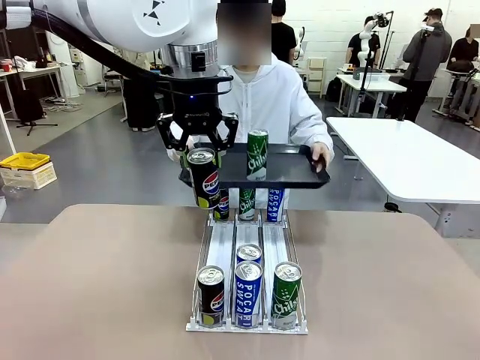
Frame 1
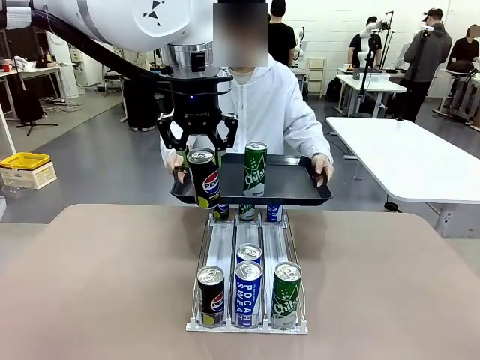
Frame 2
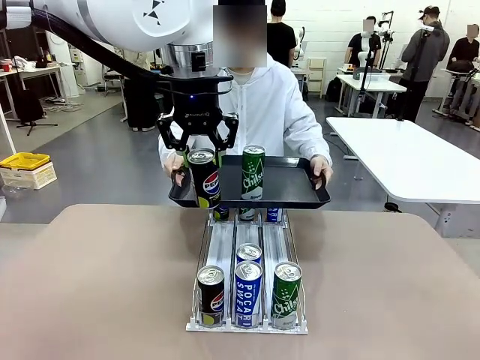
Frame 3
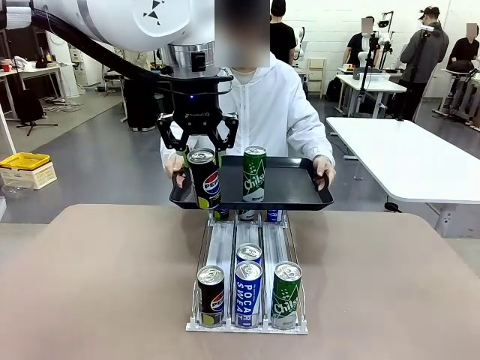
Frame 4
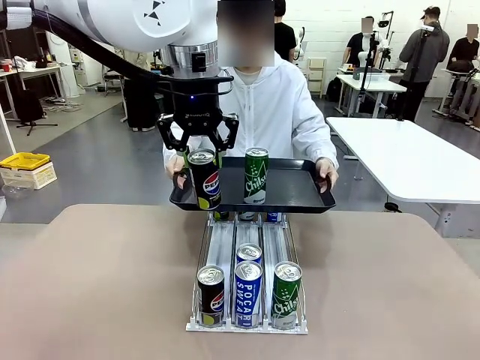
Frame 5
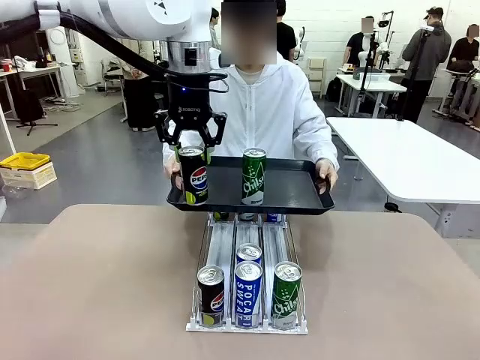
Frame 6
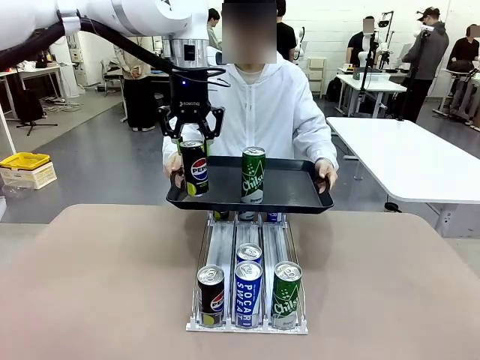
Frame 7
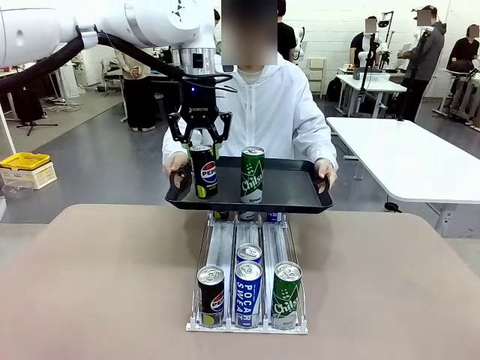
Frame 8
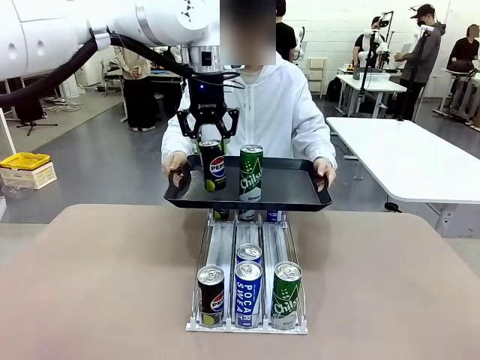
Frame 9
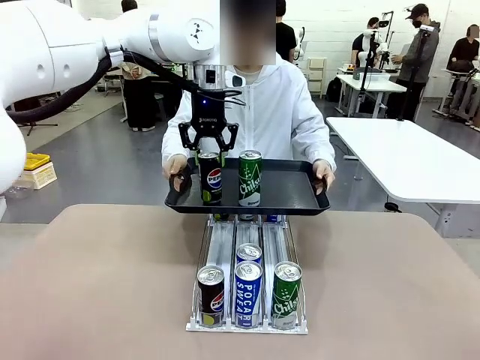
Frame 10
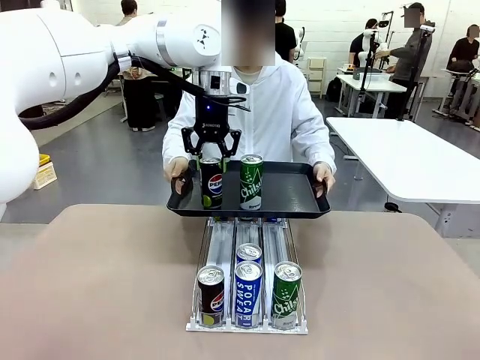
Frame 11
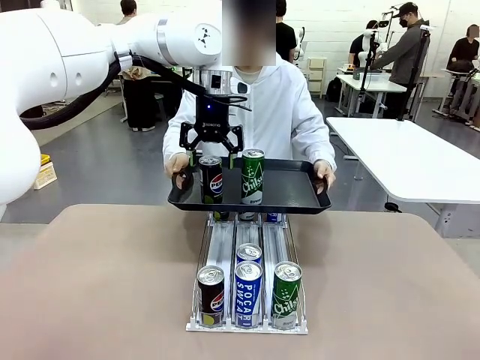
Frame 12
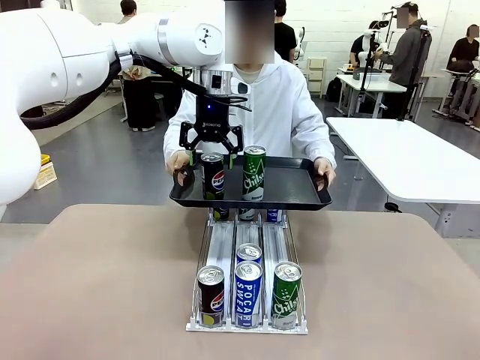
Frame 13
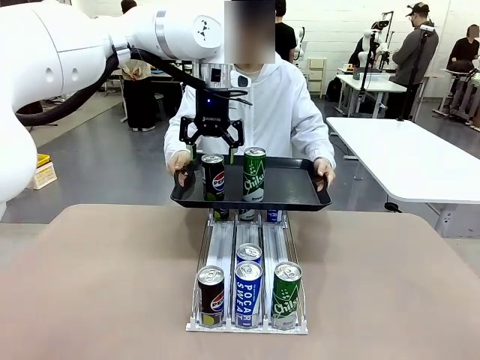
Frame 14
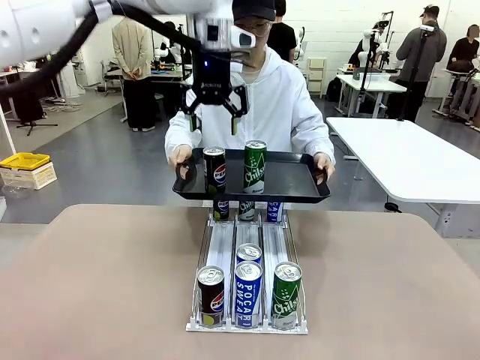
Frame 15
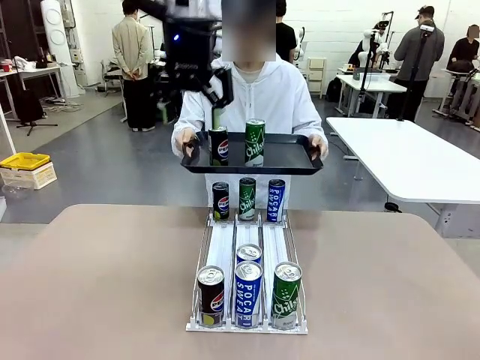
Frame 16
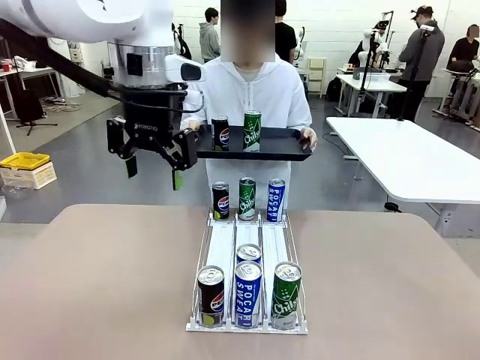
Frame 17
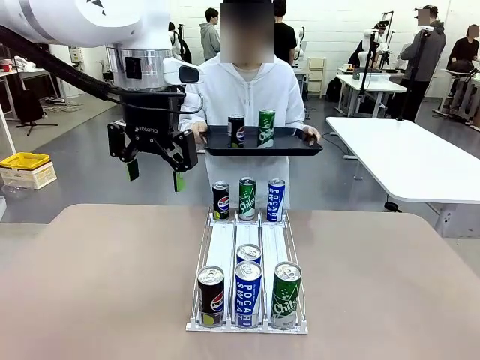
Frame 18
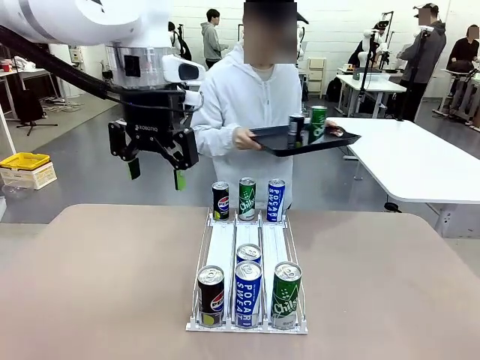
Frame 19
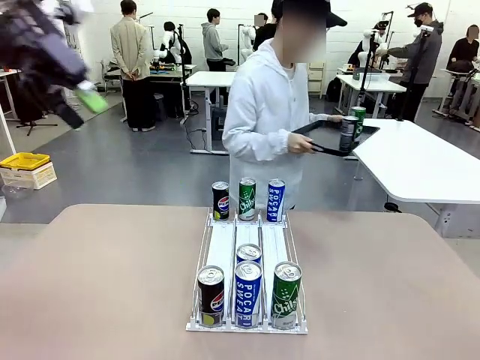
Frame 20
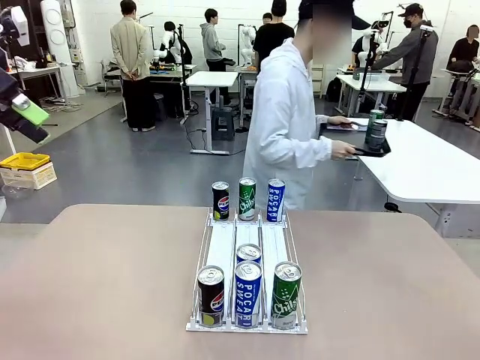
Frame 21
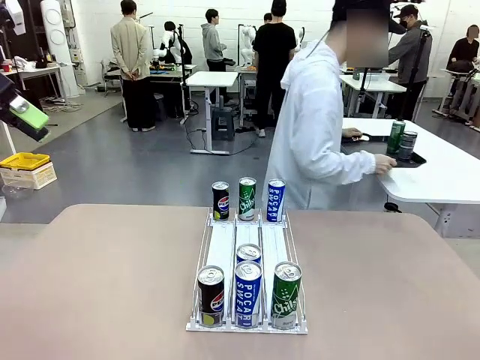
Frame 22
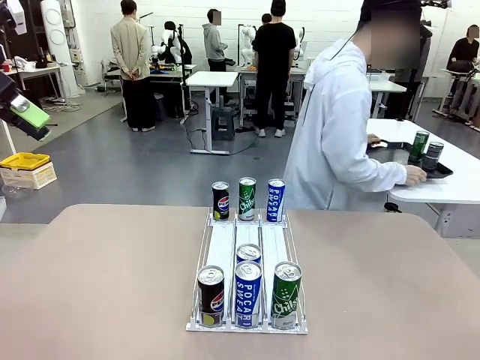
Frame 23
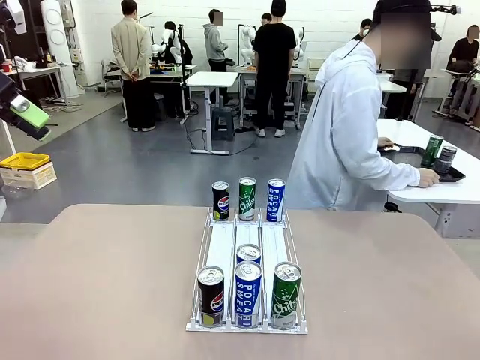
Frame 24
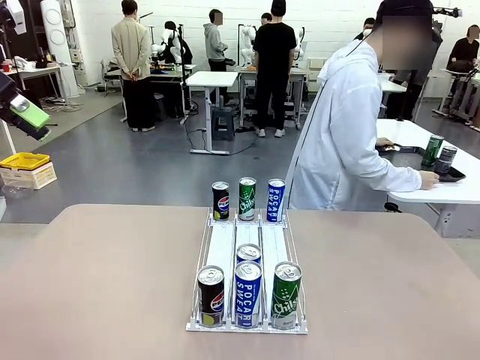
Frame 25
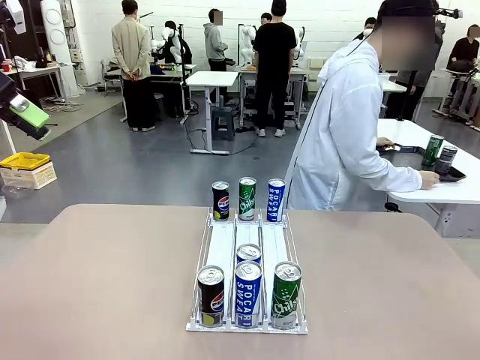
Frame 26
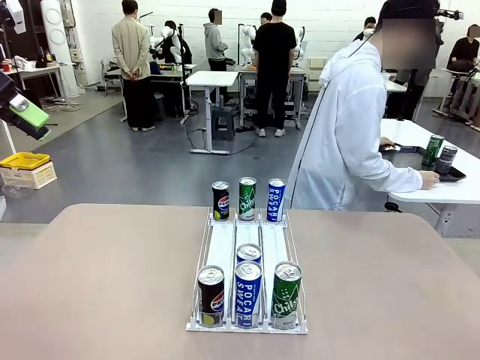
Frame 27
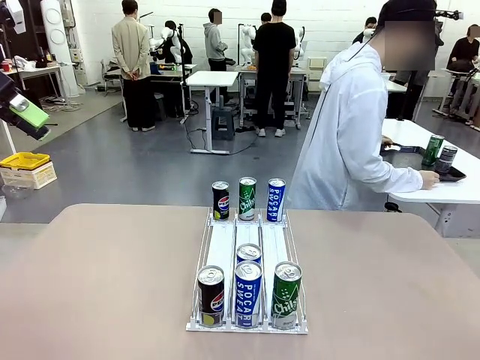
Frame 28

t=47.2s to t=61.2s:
Task: Retrieve and hand over the desired beverage to the person.
Robot: Place the picked can on the Handle tray extended by the person.
Person: Pull the tray back and place it at the center of the human table.

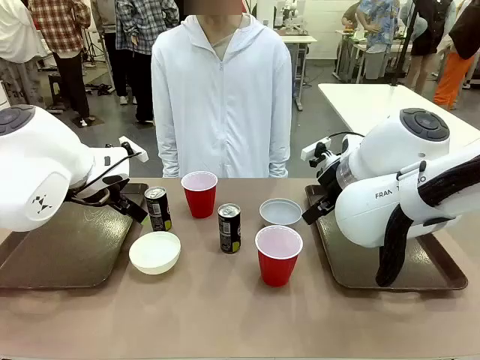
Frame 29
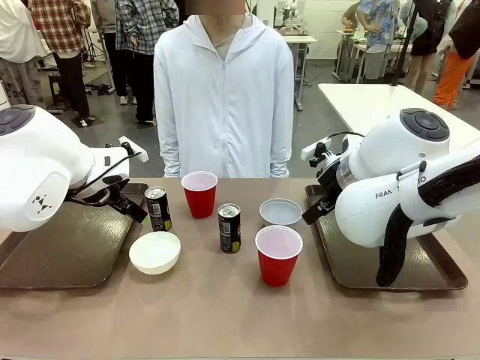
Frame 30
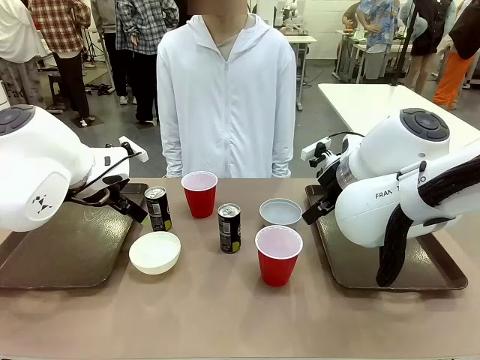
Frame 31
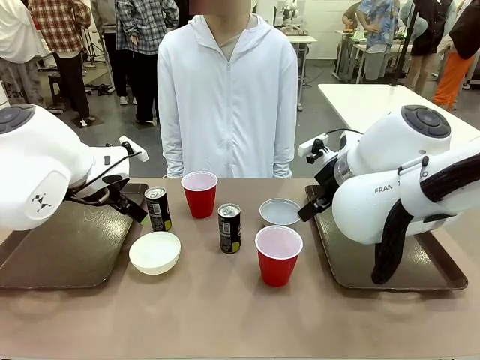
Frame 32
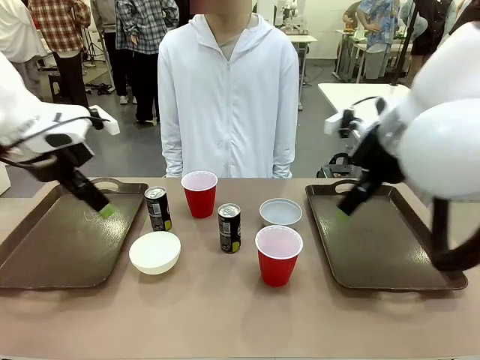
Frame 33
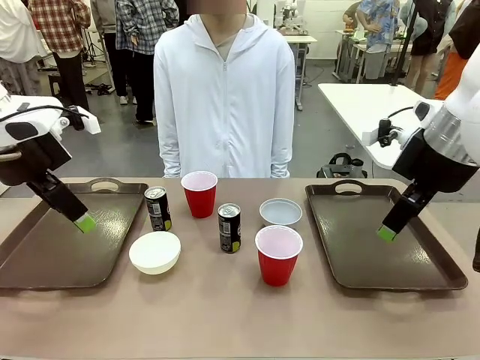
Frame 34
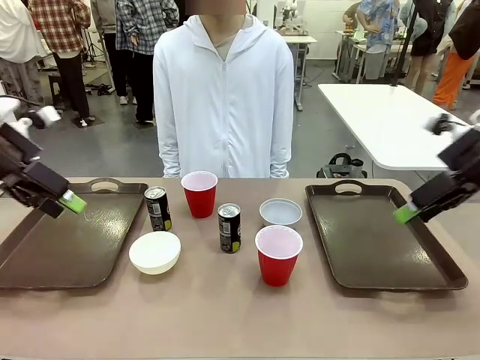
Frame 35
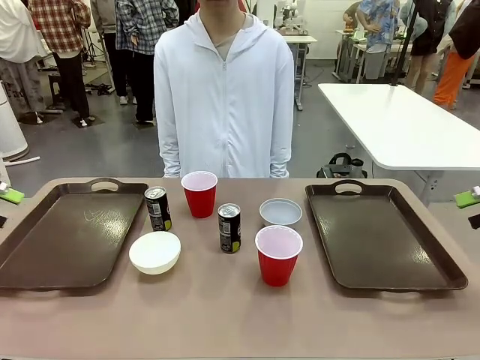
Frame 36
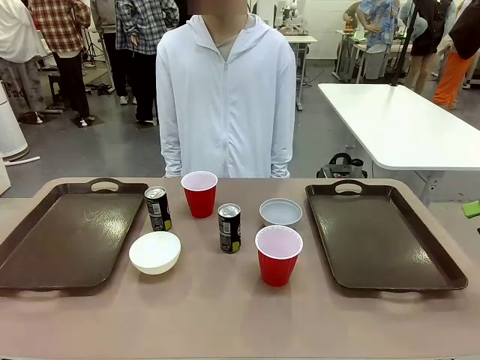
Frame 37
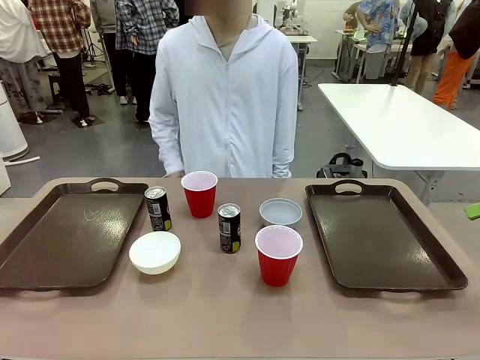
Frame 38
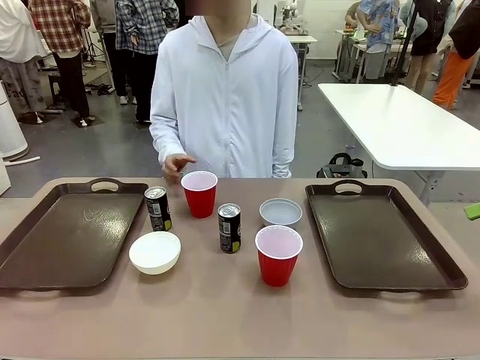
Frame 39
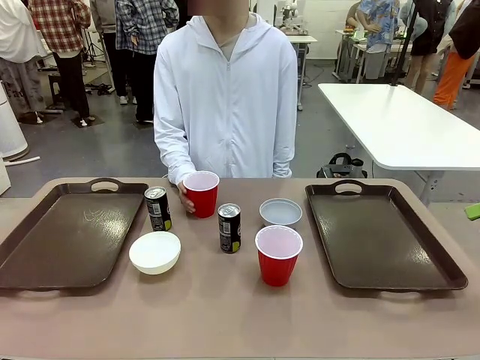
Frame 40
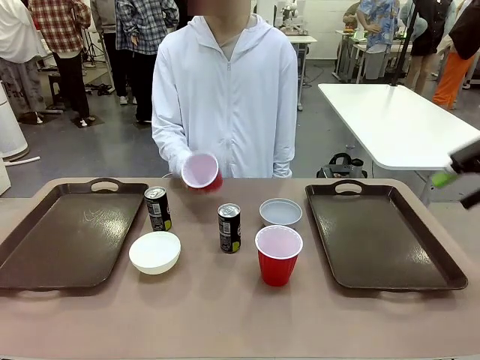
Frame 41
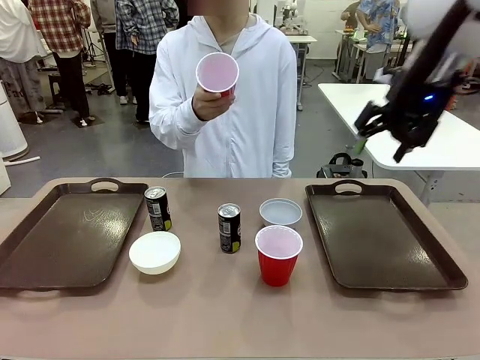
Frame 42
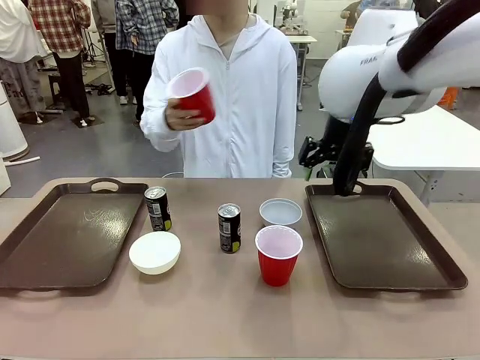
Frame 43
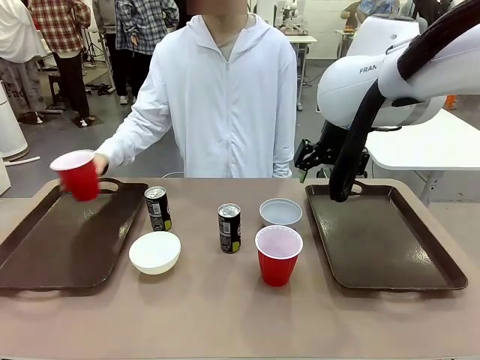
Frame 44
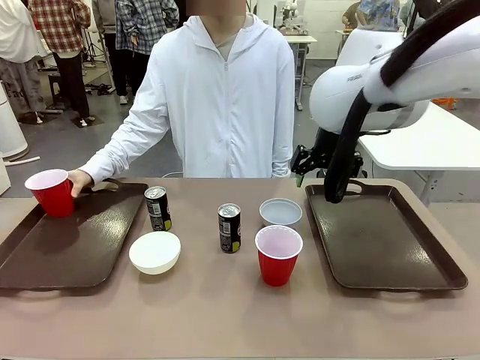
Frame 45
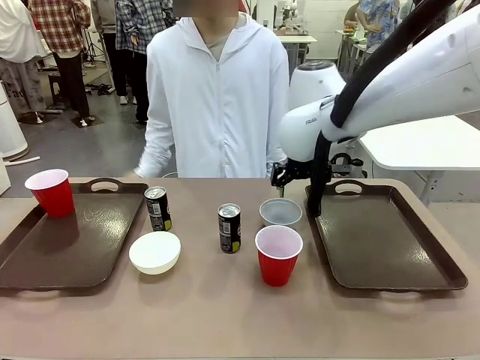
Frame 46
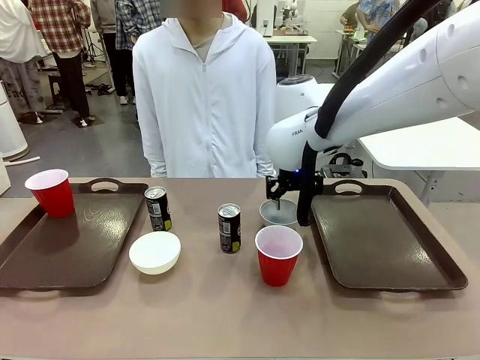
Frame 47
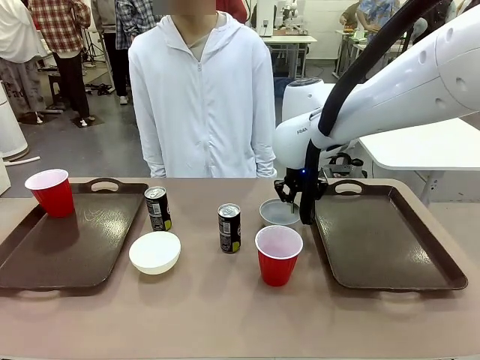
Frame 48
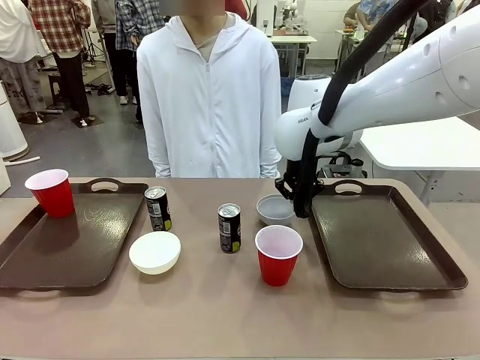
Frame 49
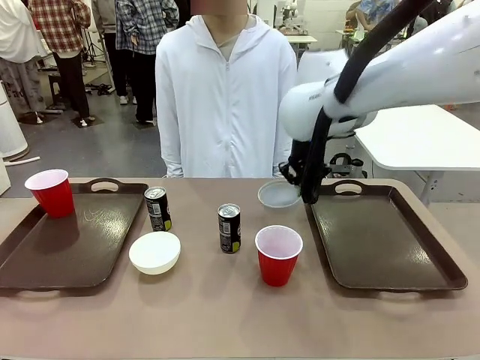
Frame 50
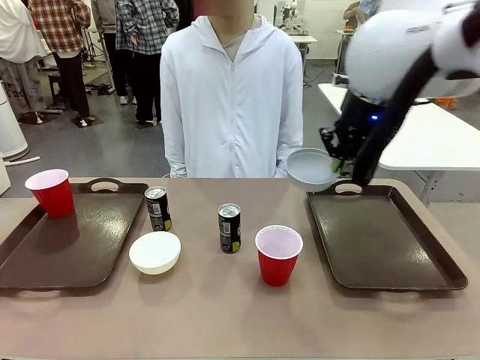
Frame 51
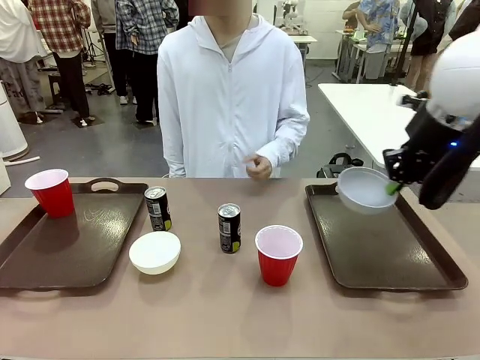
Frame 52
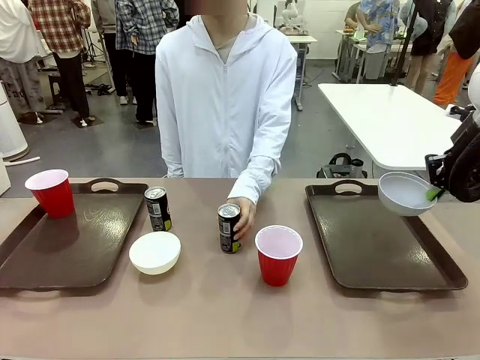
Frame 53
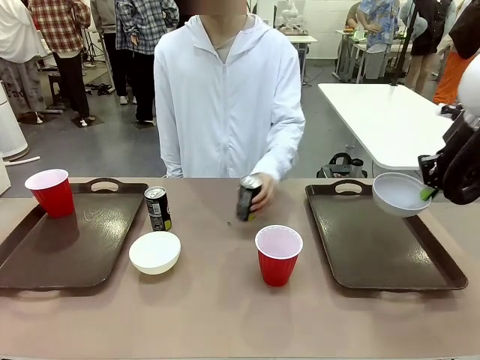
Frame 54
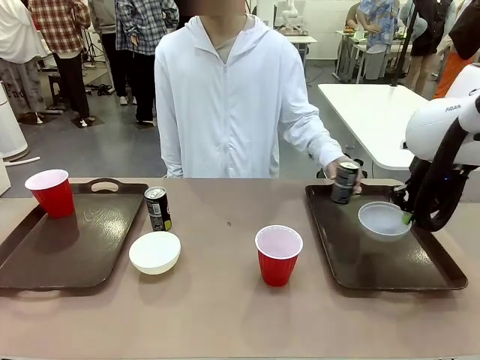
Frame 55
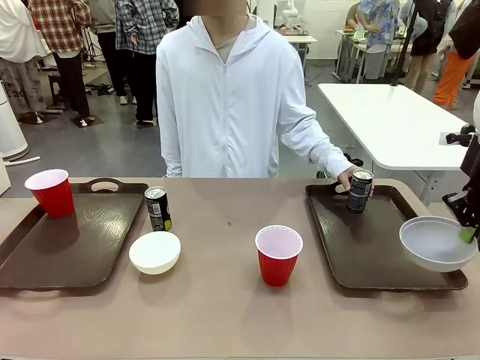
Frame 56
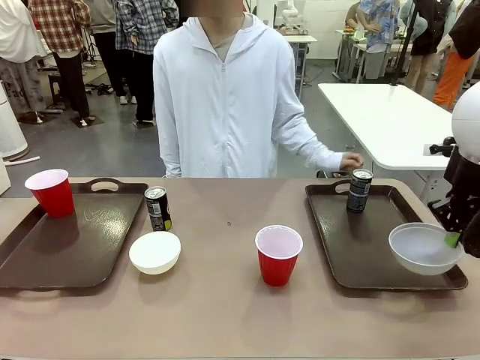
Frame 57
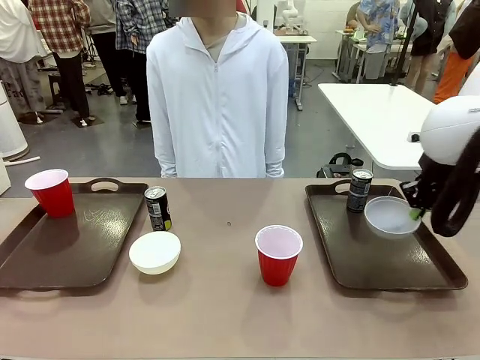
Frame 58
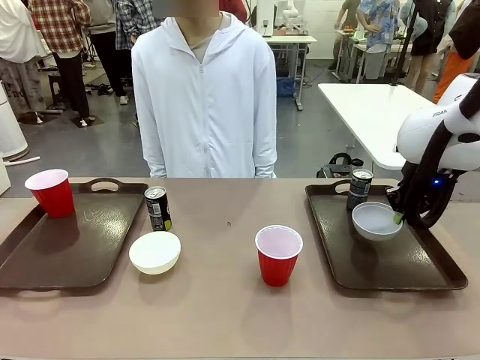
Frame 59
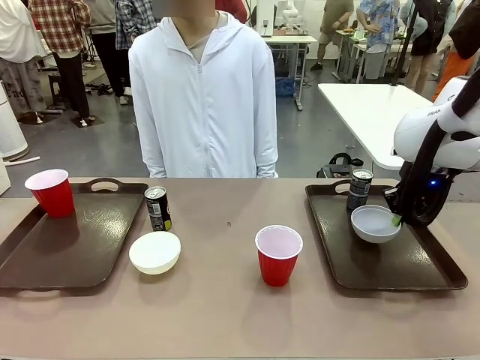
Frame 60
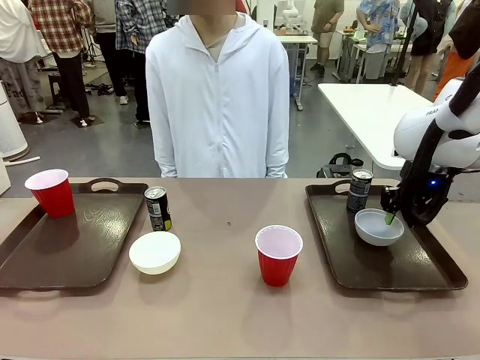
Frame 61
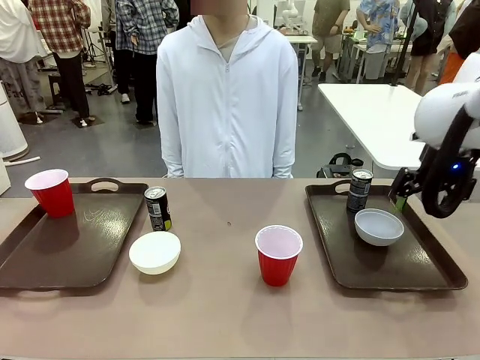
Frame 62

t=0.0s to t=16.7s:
Task: Prepare tableware on both trays.
Robot: Pick up a Picnic Bowl from the table and place it on a Handle tray.
Person: Pick up a can or cup and place it on the tray.
